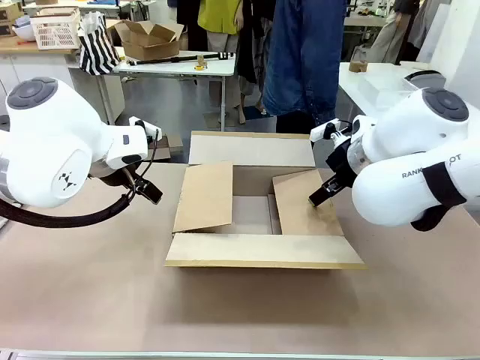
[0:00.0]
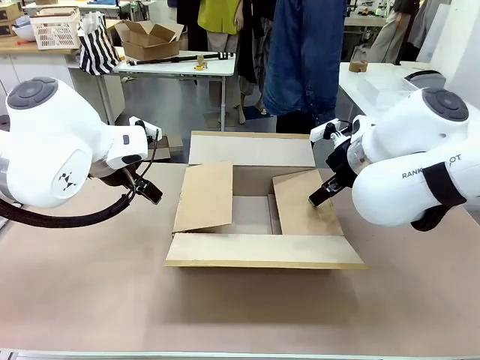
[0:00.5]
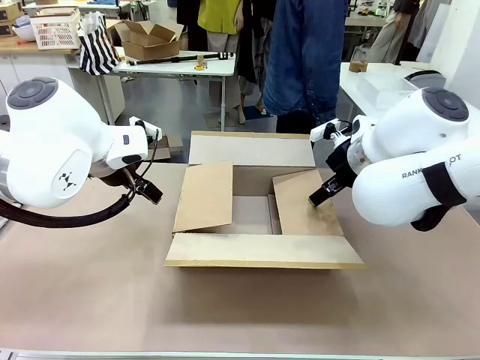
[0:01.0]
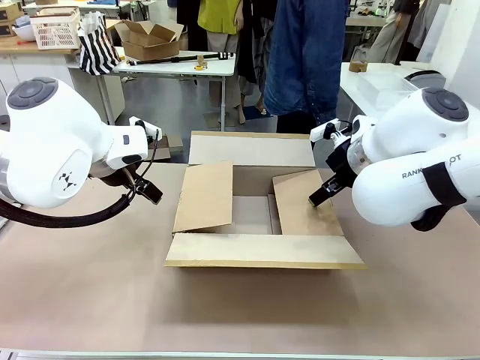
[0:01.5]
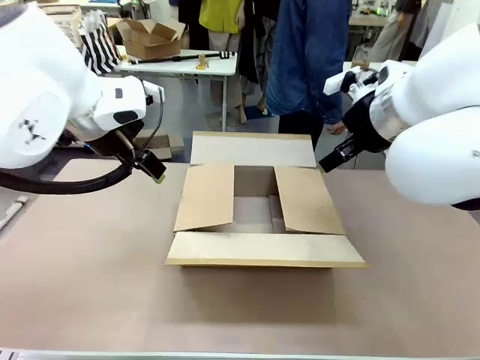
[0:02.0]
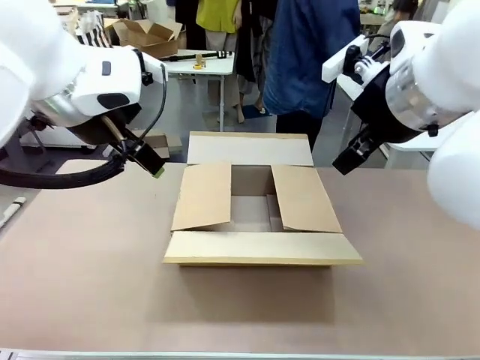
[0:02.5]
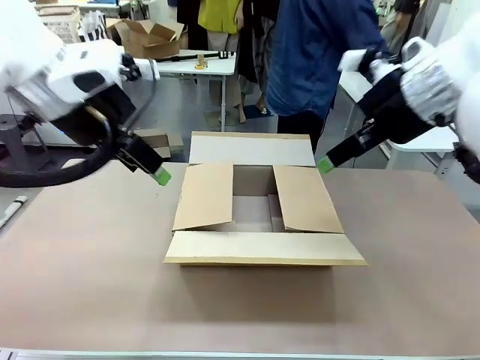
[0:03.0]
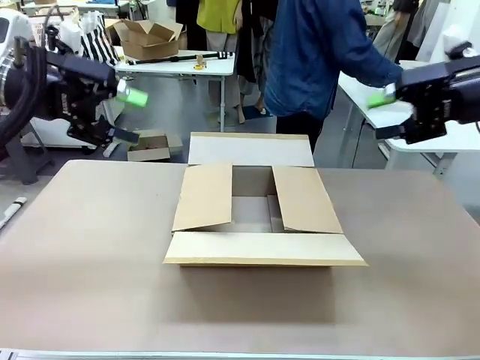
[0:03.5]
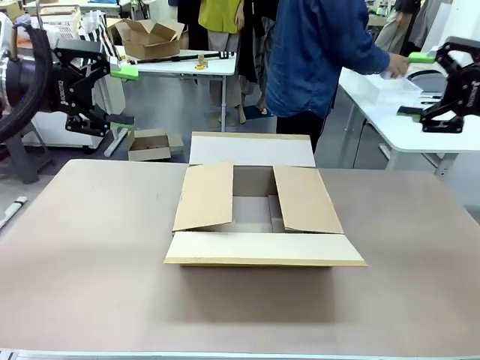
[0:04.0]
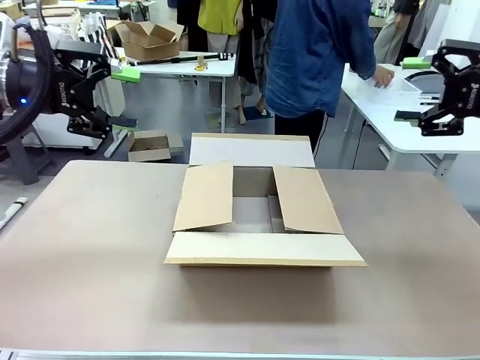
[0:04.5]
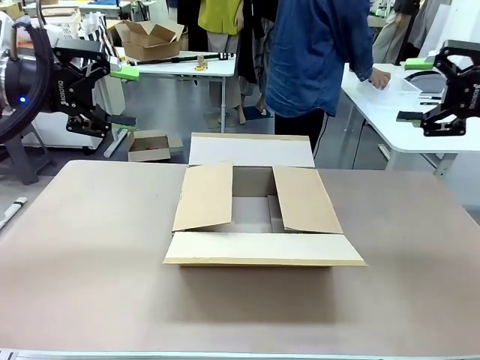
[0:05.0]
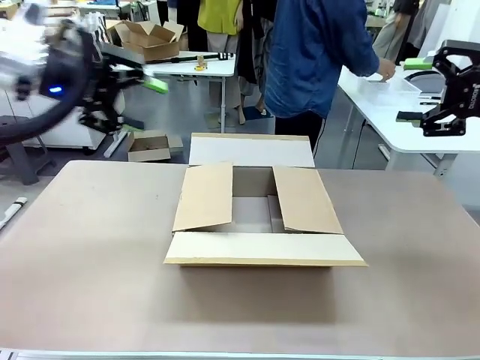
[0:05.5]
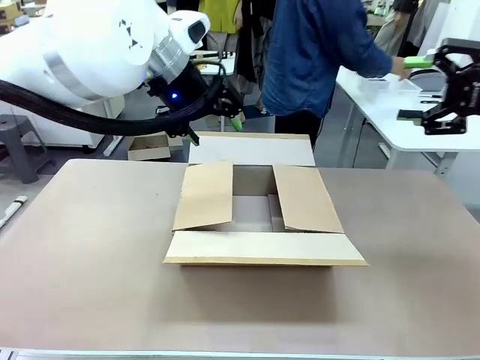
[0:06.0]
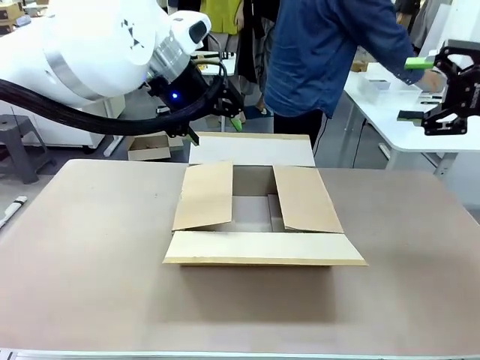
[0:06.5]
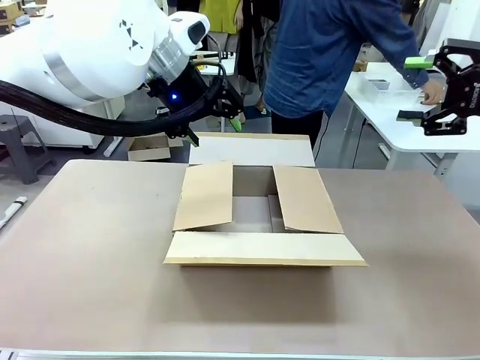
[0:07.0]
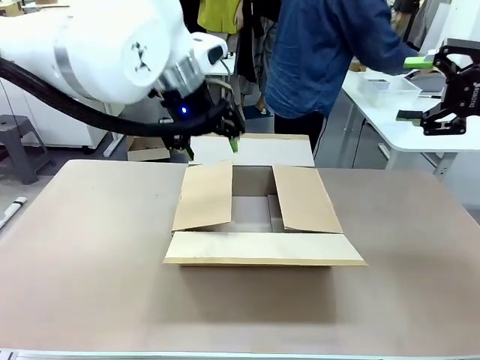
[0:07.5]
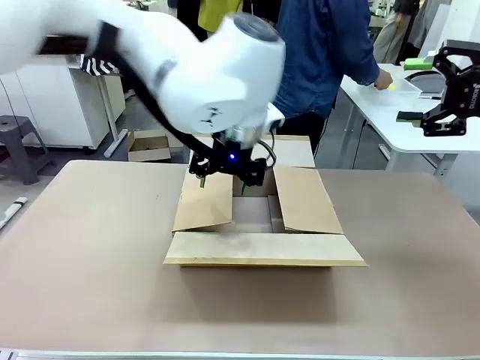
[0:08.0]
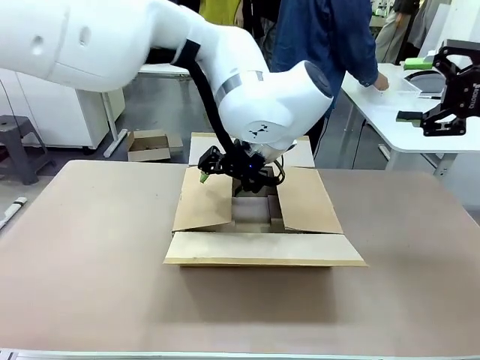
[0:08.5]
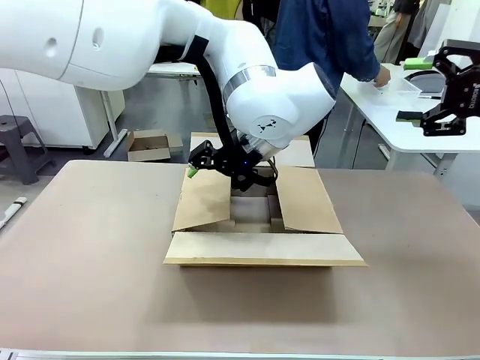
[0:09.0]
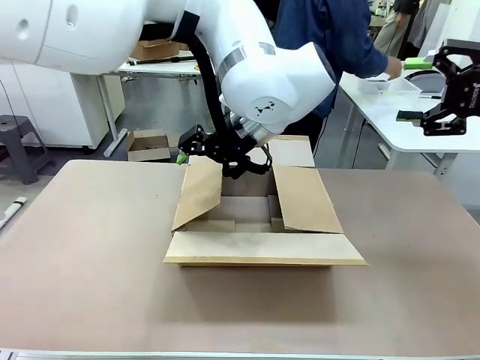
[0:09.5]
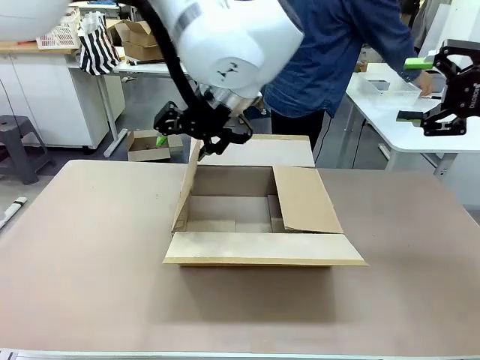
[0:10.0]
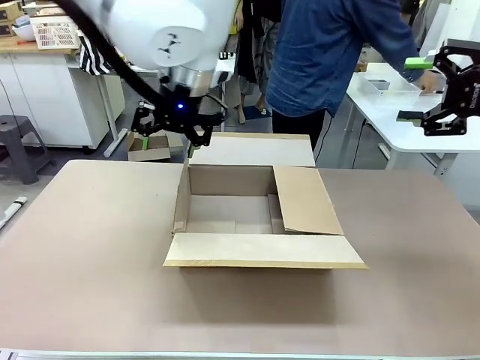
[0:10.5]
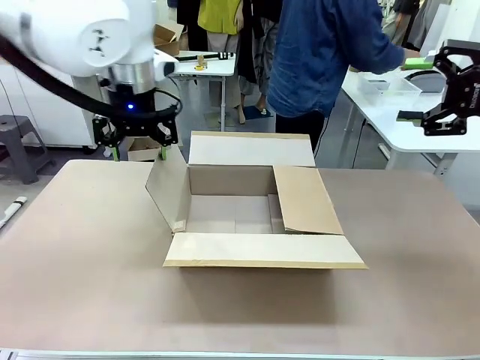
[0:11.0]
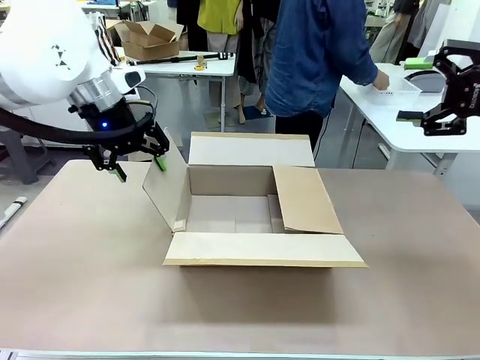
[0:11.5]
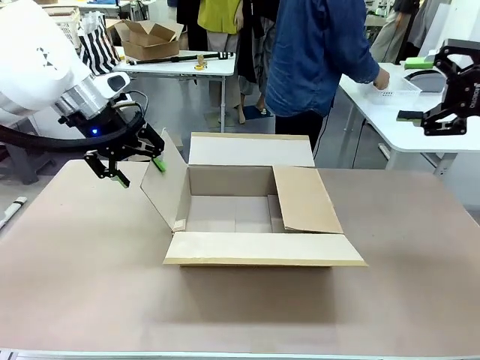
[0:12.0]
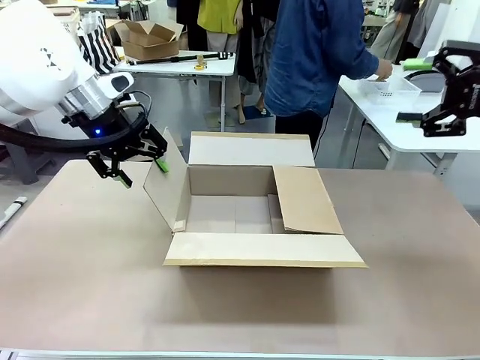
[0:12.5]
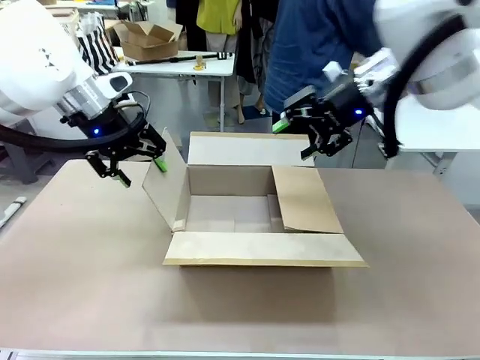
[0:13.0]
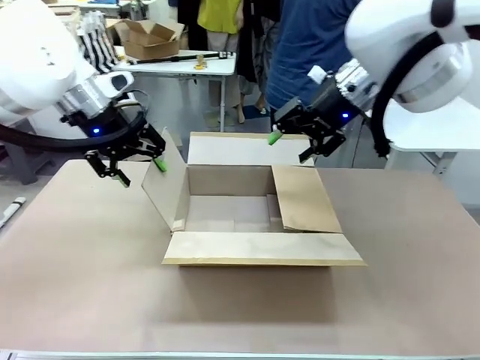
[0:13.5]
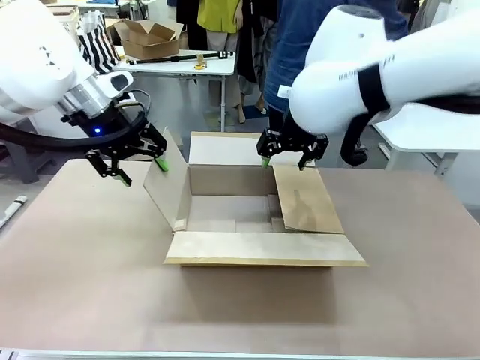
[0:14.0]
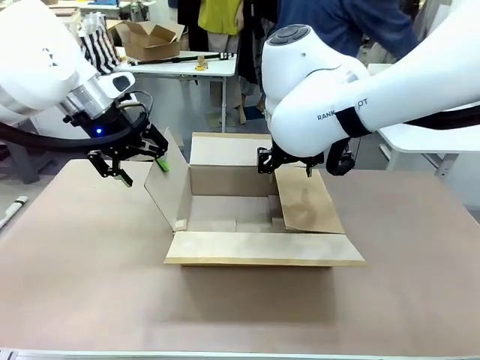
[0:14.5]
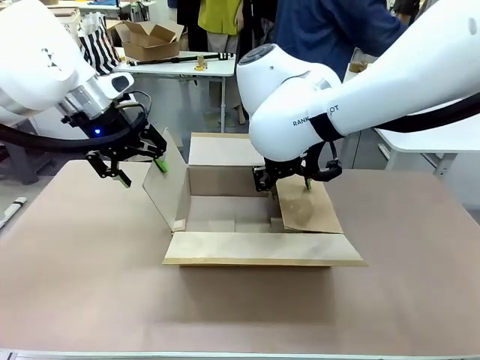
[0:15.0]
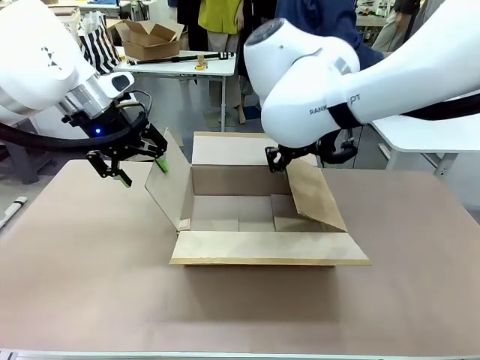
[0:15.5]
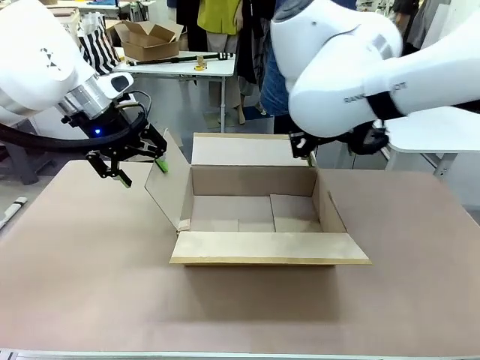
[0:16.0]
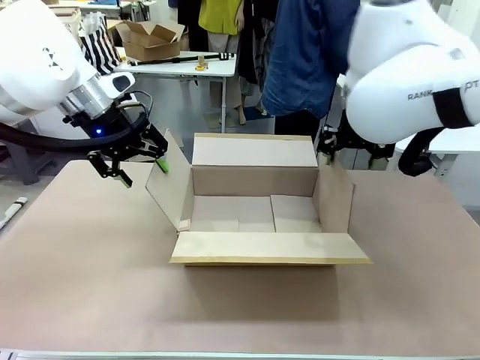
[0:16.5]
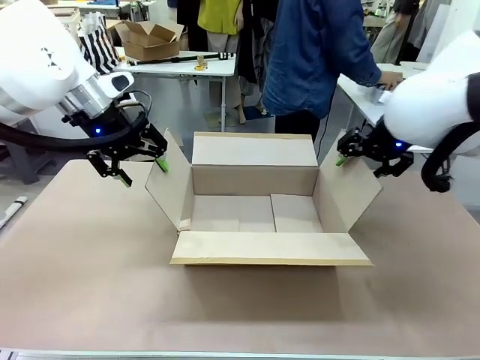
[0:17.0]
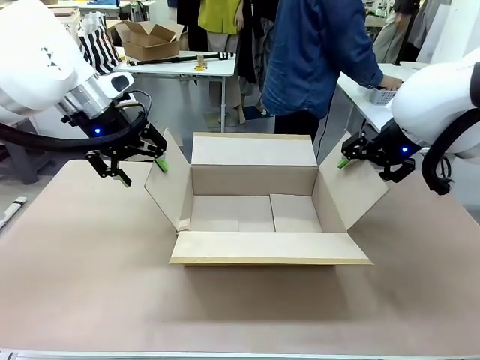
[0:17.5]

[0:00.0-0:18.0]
Task: Pack the gift set into the box.
Robot: Place both hands on the side flaps of the Package Box and spread them outward.
Person: The human places all items except the paper tape into the organizing basket.

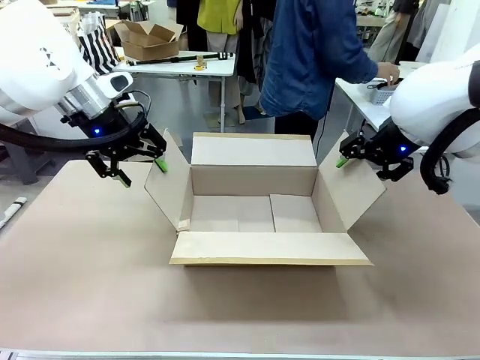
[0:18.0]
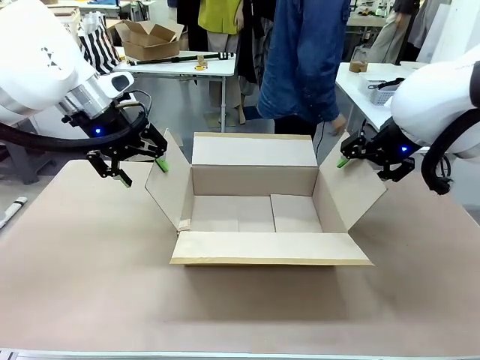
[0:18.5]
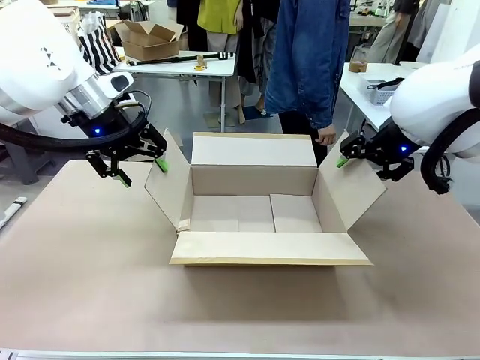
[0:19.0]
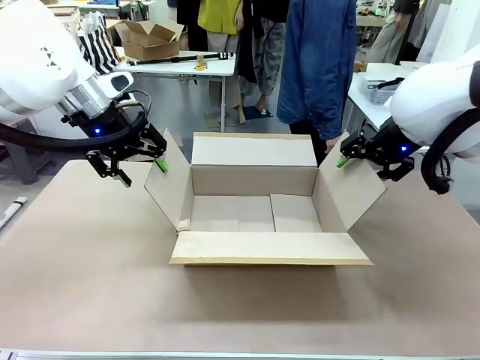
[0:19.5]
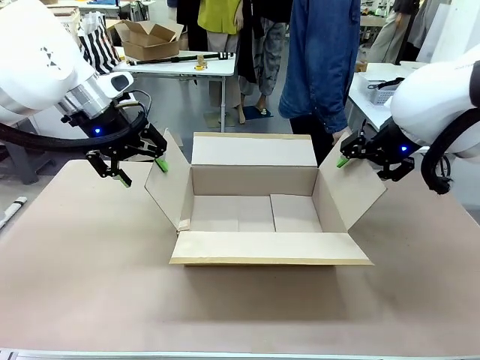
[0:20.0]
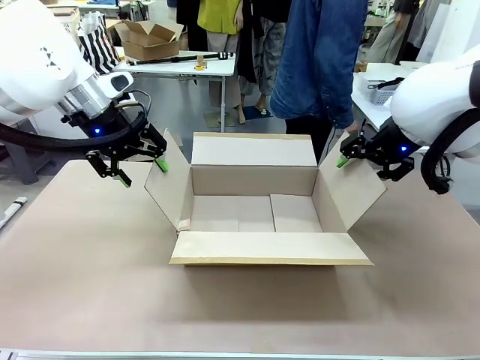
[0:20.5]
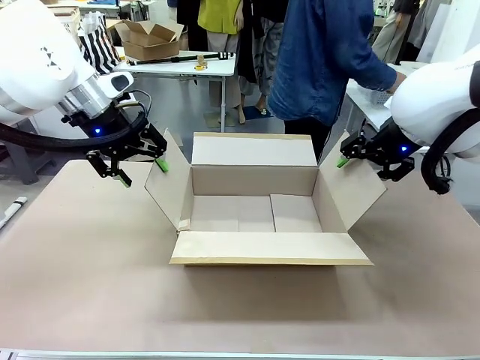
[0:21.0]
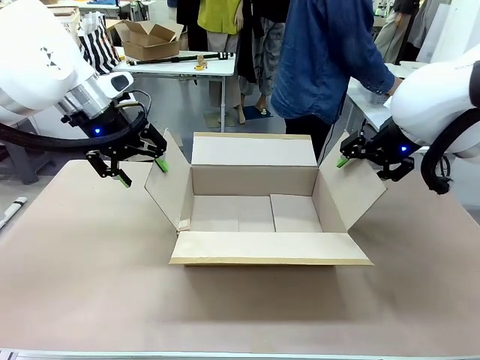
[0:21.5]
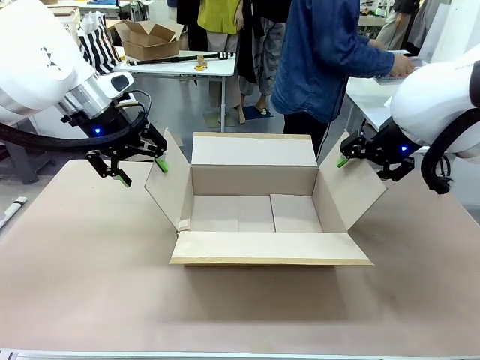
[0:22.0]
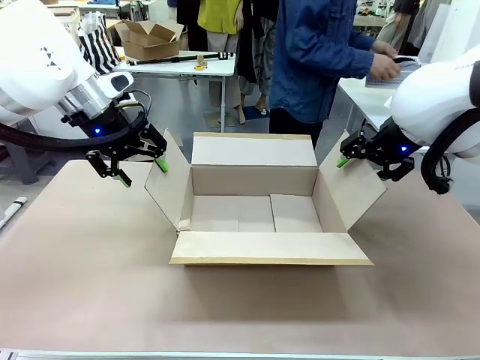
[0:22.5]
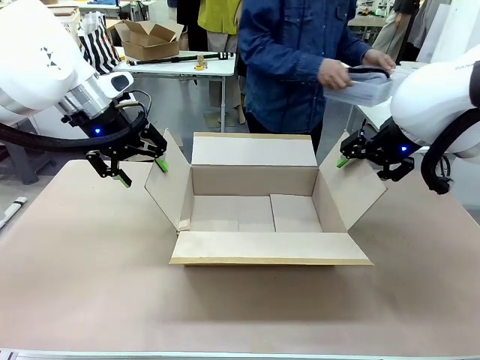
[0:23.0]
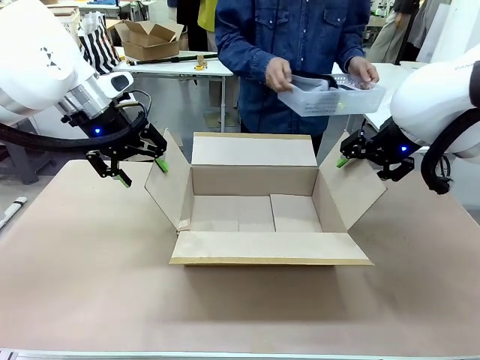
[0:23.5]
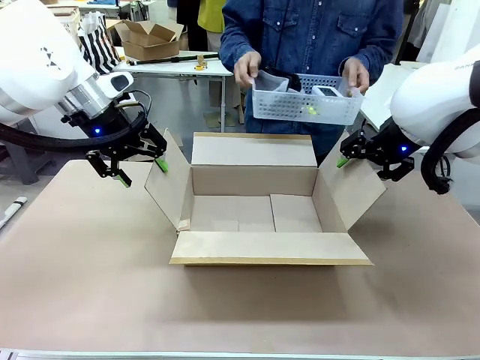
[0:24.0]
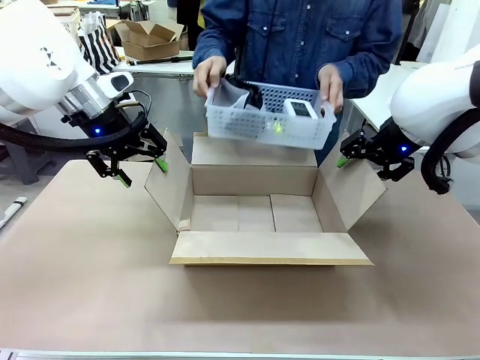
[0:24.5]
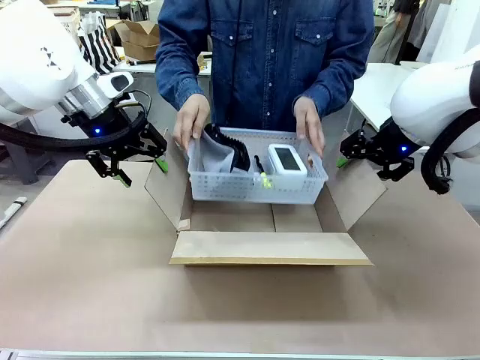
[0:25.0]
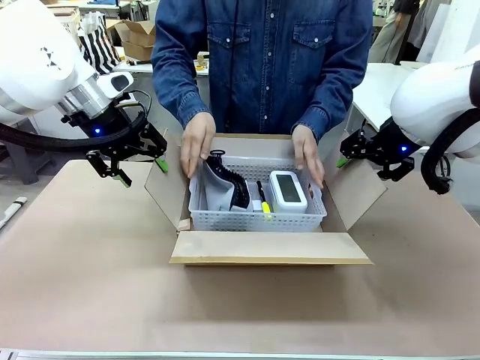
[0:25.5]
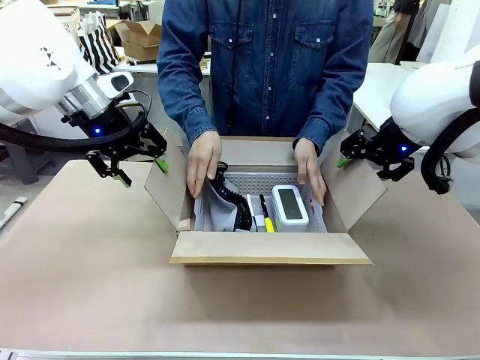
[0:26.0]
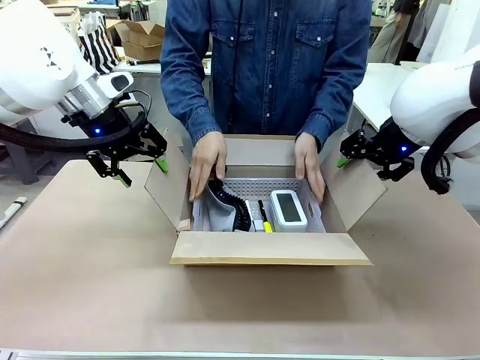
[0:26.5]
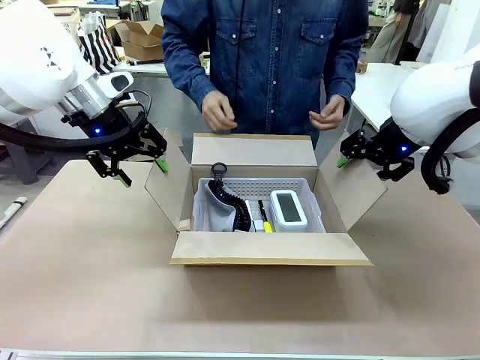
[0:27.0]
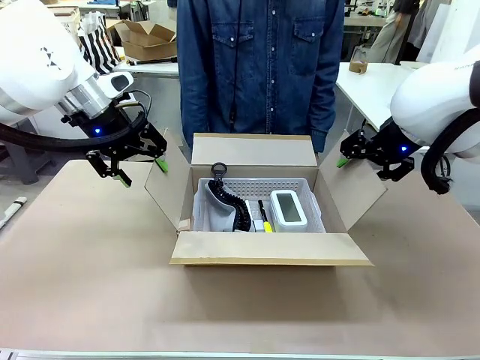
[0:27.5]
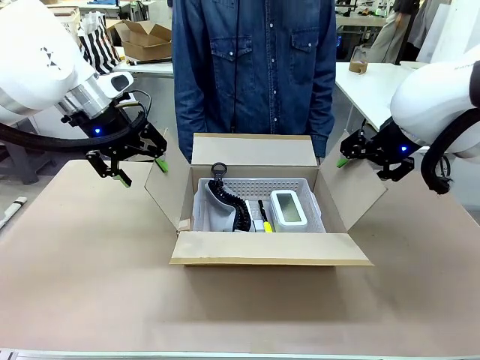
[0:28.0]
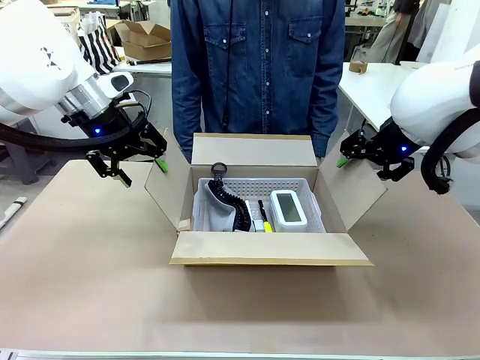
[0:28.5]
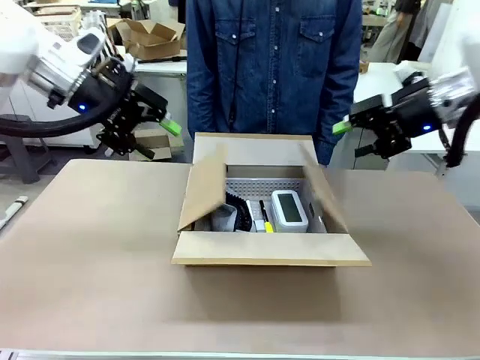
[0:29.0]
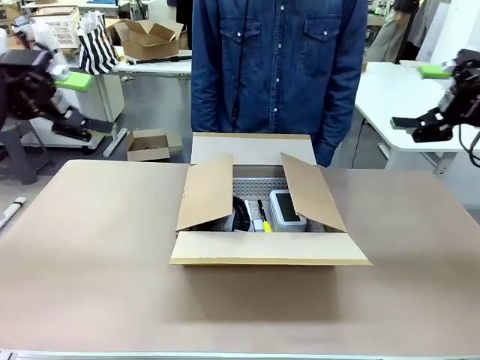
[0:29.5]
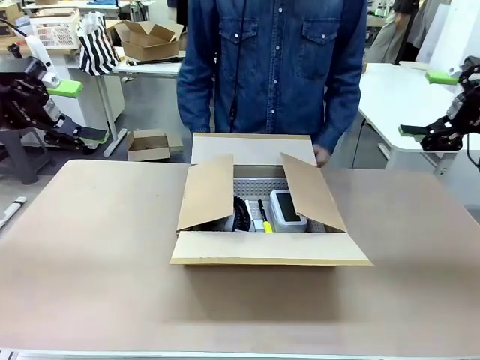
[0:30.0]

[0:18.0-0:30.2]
Robot: Lift both hands away from the flaps of the Package Box.
Person: The human picks up the organizing basket and places the organizing basket into the package box on the robot table.
